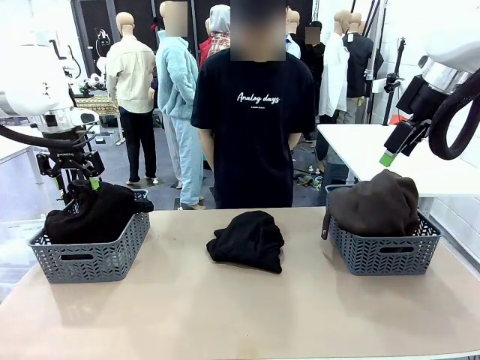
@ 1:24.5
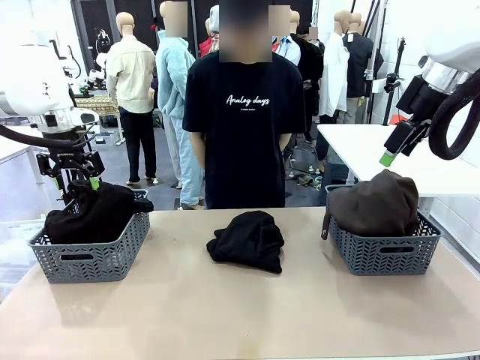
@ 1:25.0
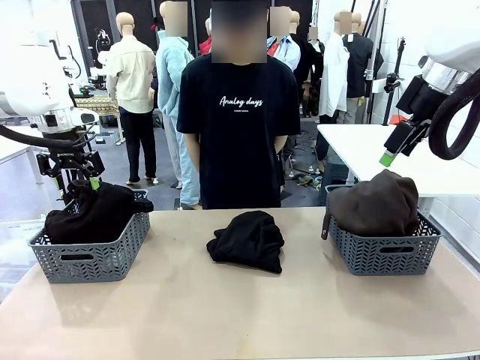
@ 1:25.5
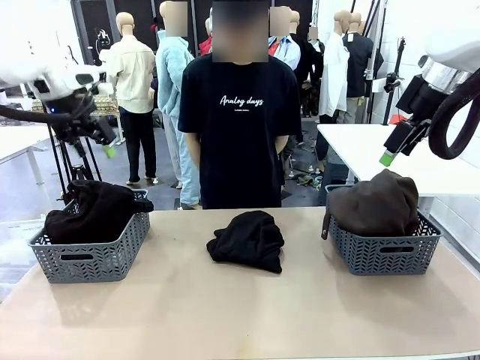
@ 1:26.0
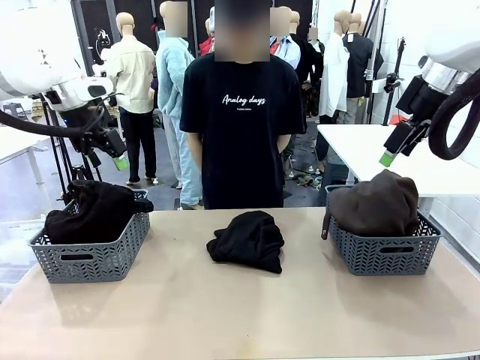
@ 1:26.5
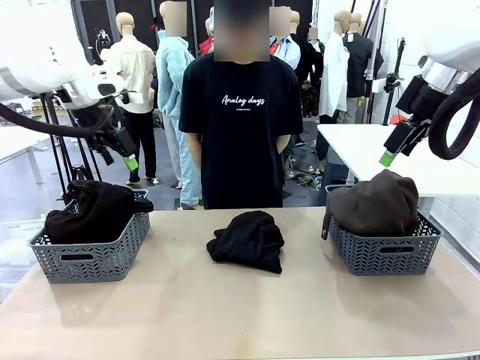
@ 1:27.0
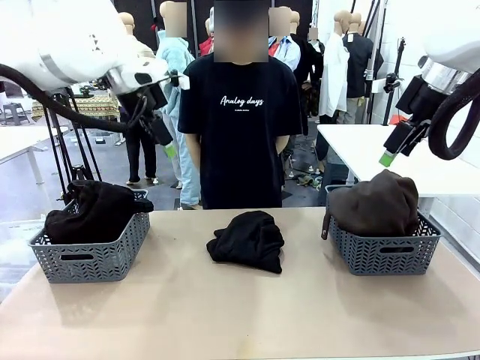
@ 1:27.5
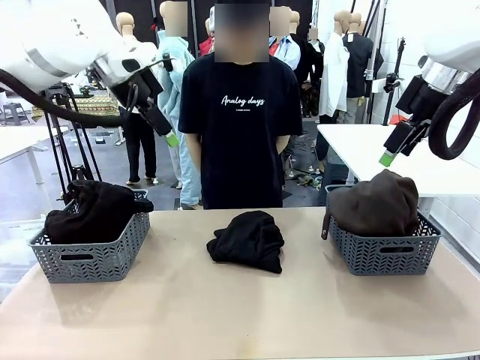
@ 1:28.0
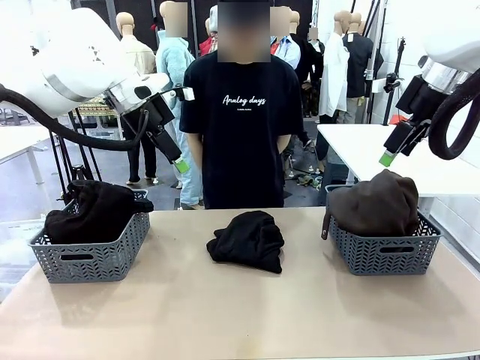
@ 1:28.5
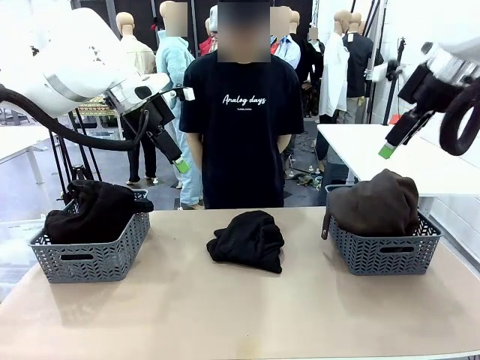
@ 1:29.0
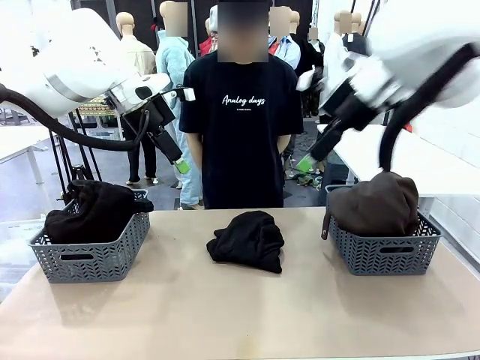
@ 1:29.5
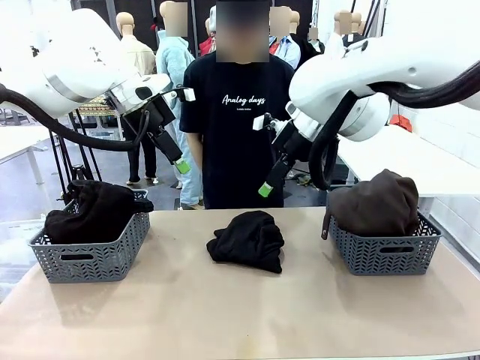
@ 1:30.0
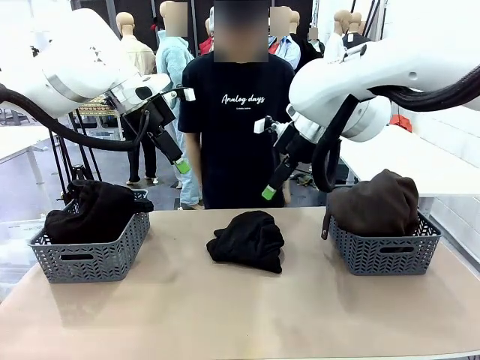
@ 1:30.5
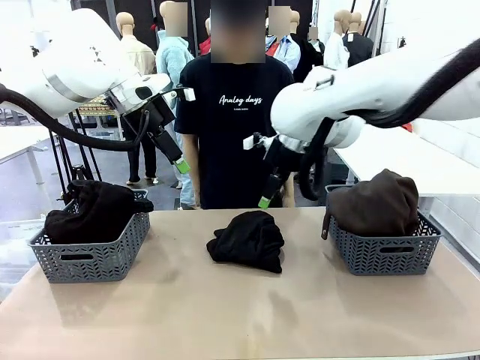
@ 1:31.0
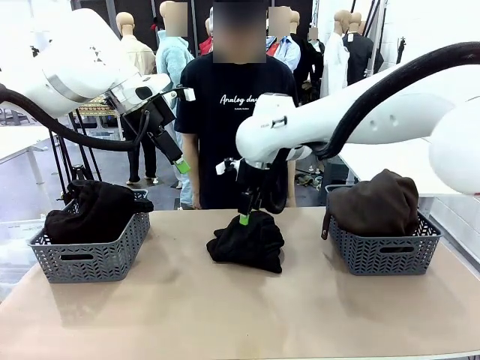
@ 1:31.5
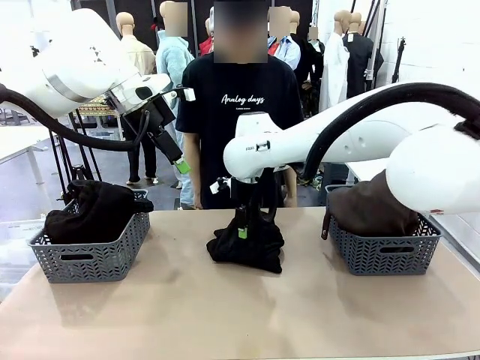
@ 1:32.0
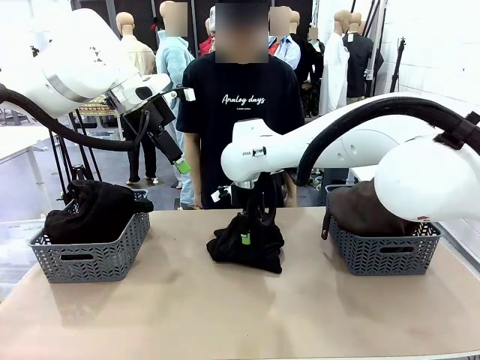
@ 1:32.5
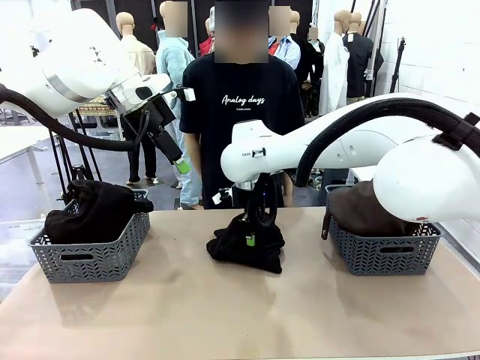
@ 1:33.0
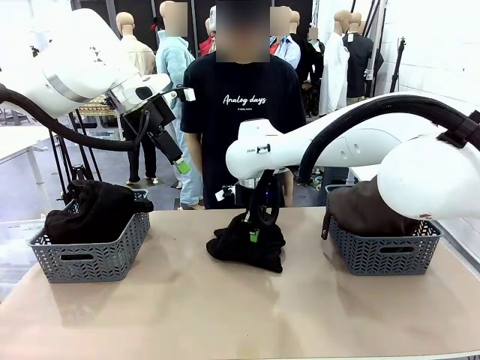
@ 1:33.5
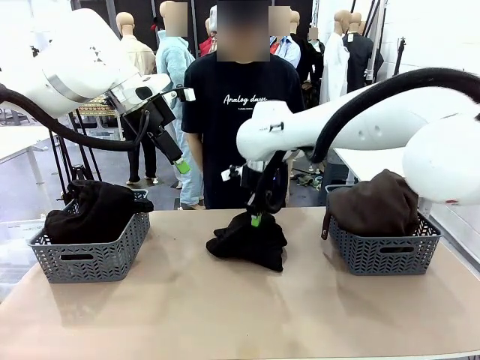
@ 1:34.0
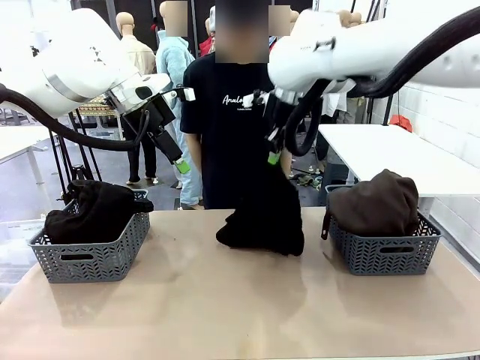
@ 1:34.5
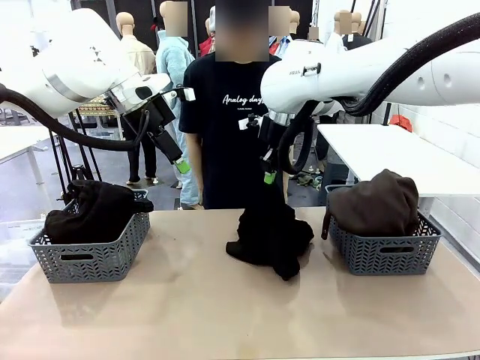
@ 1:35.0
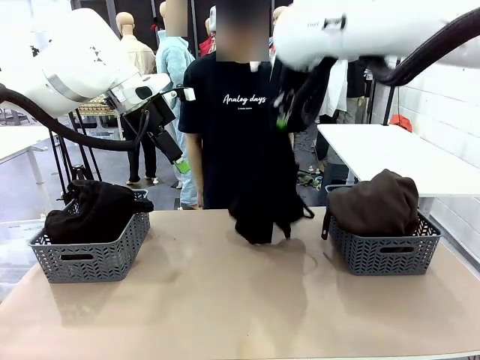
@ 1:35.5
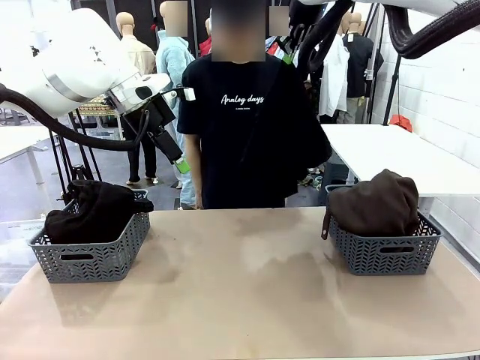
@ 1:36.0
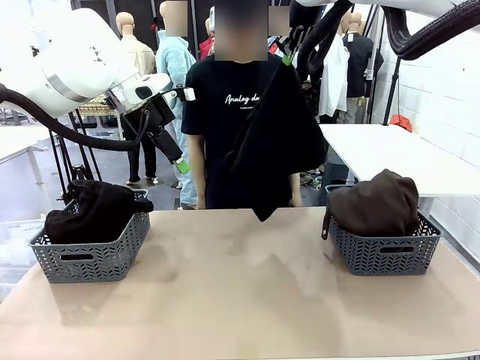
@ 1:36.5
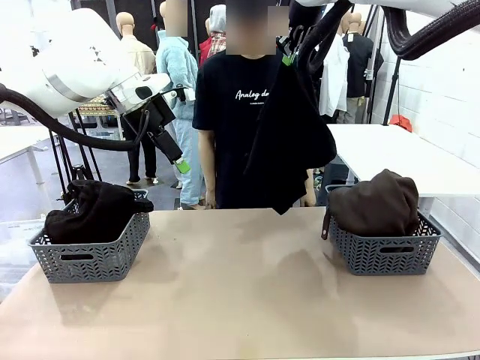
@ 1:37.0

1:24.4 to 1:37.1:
Task: Sort the tops and bottoms.
Robot: Lift clothes from the center of the table with your right hand.

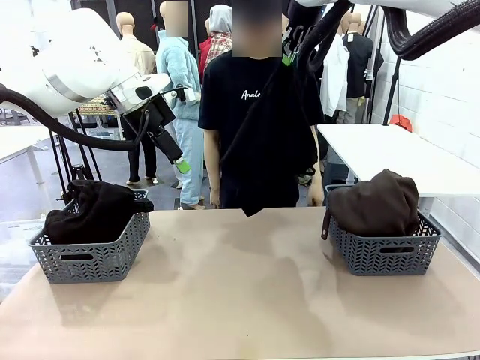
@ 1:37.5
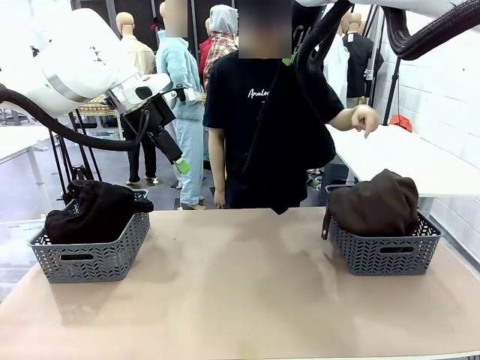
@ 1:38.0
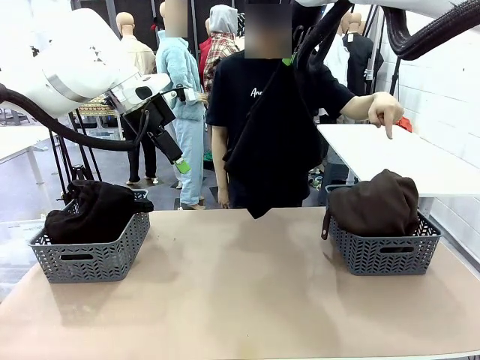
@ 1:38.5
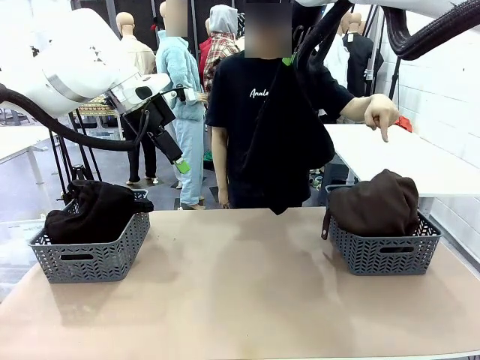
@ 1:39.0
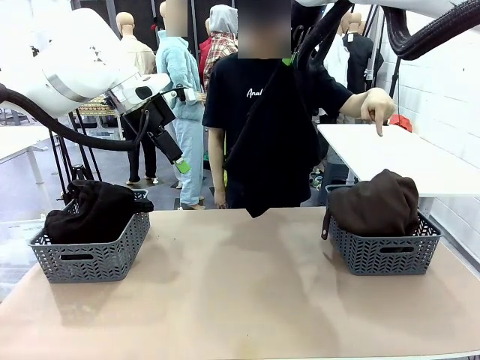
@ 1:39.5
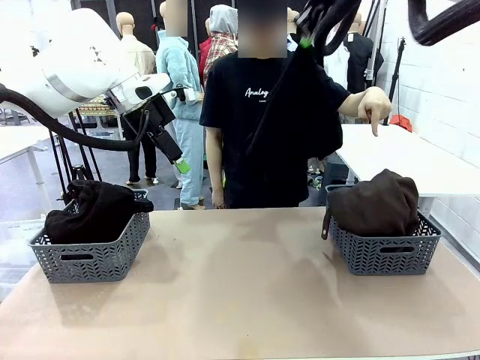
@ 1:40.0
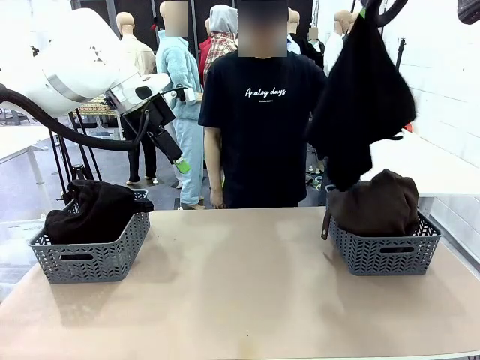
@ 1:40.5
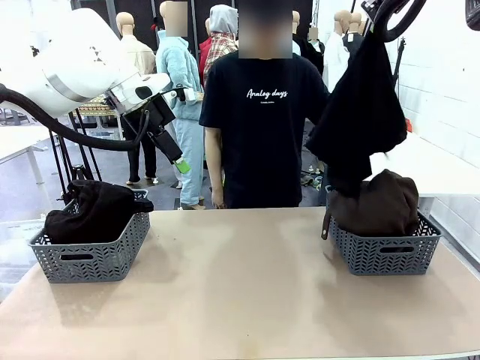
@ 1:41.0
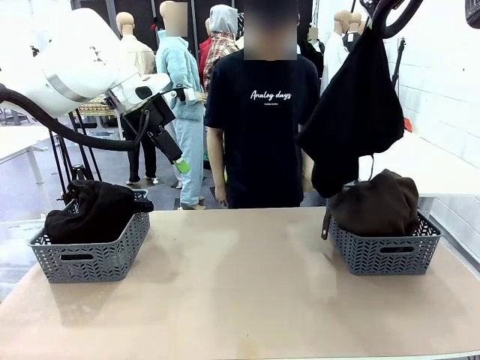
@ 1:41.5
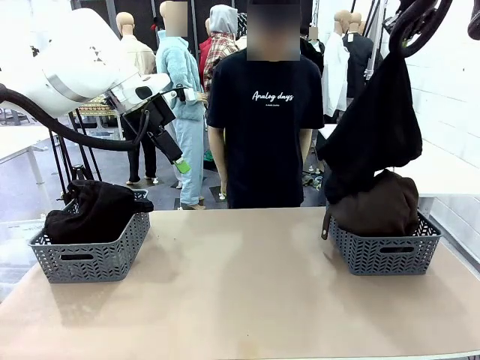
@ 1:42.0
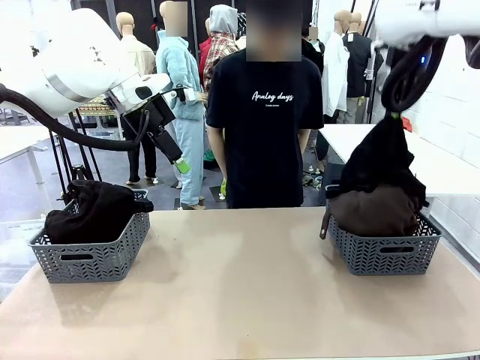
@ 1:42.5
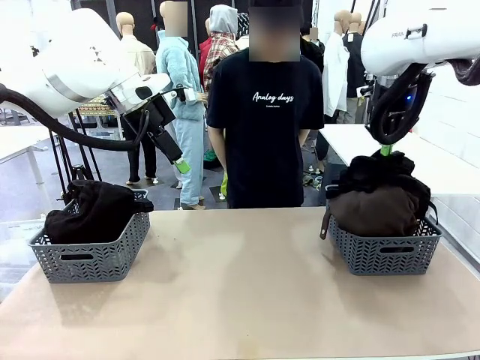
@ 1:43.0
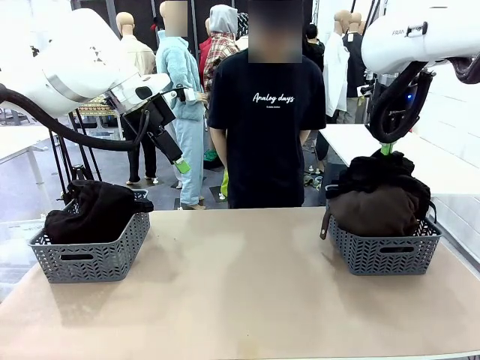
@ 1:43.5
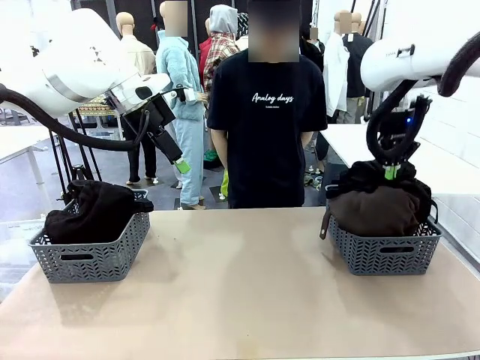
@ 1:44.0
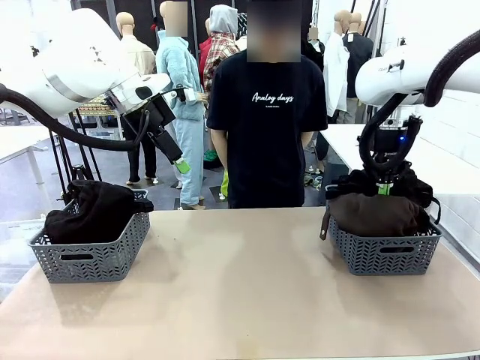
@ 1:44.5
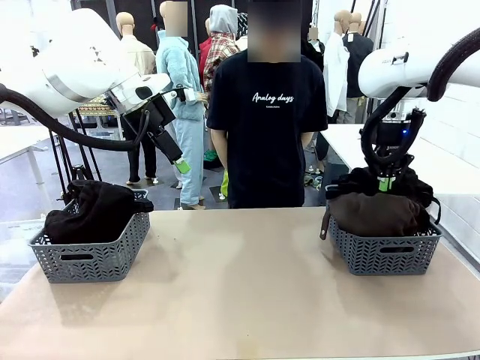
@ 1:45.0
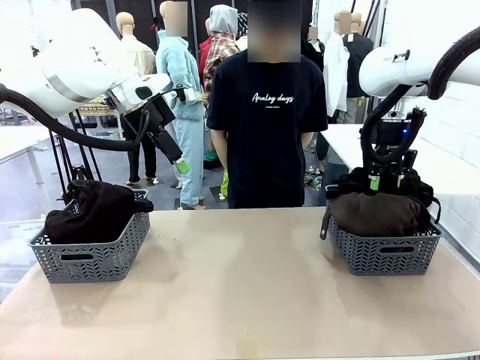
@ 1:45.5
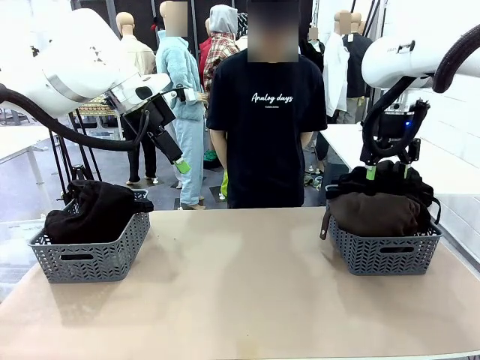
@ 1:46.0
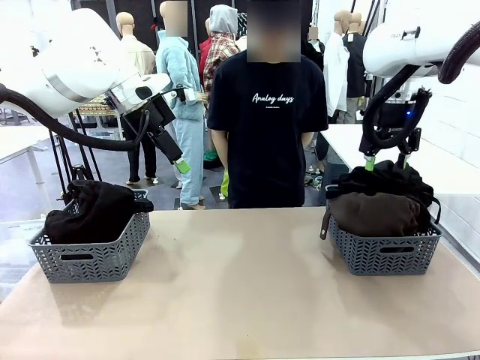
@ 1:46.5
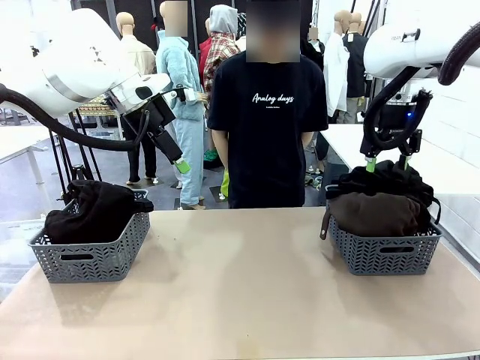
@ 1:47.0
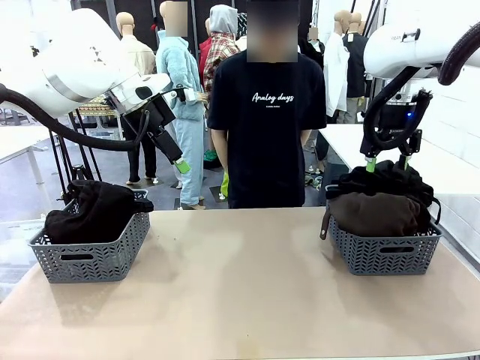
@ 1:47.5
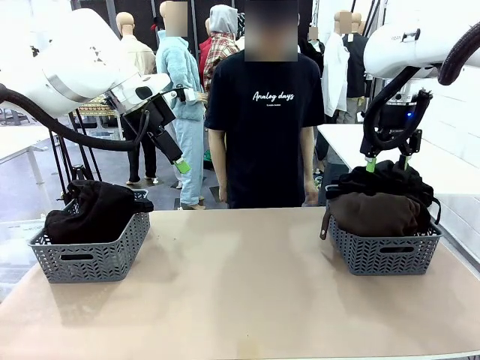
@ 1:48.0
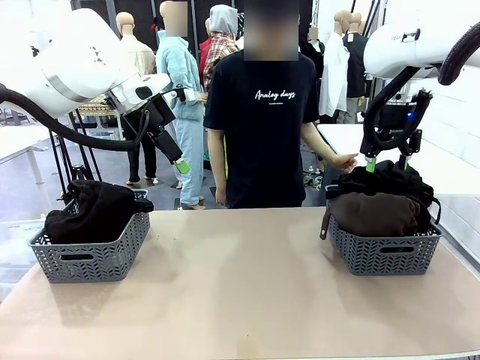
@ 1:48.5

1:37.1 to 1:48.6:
Robot: Sort the clothes according to human instructions.
